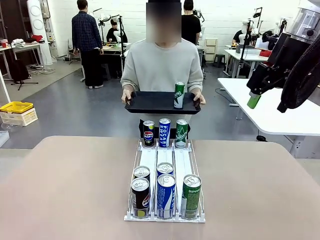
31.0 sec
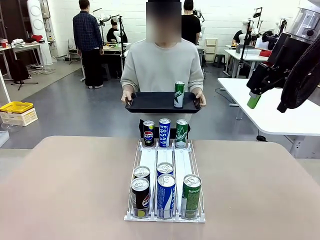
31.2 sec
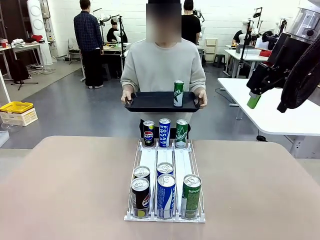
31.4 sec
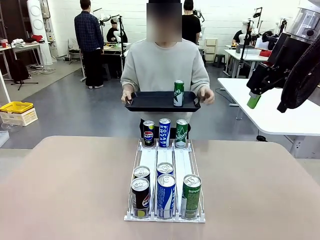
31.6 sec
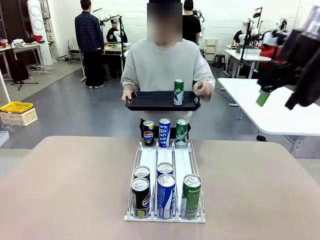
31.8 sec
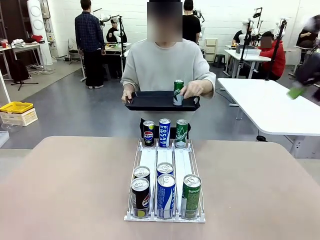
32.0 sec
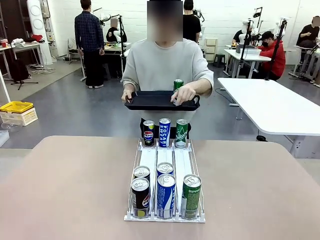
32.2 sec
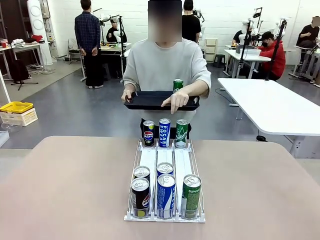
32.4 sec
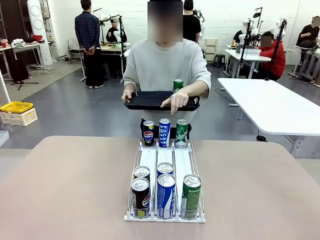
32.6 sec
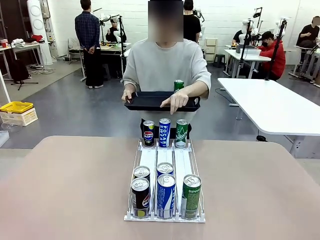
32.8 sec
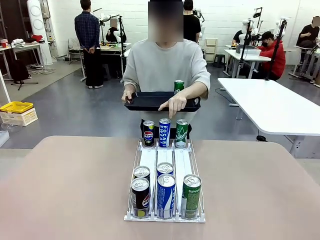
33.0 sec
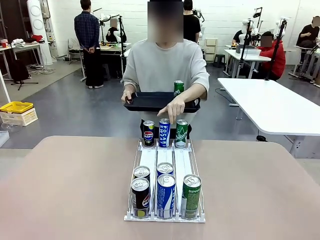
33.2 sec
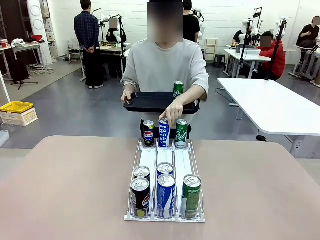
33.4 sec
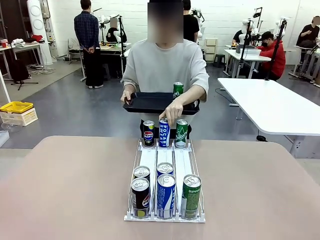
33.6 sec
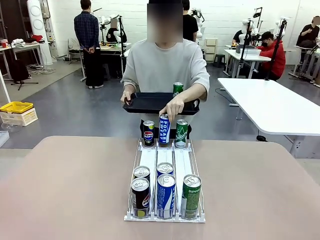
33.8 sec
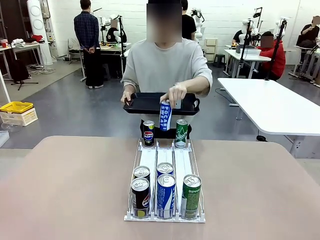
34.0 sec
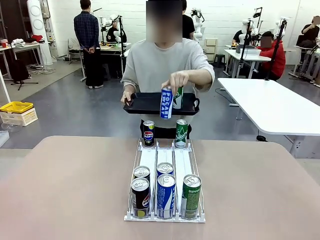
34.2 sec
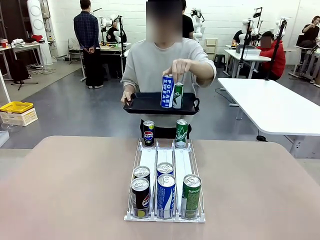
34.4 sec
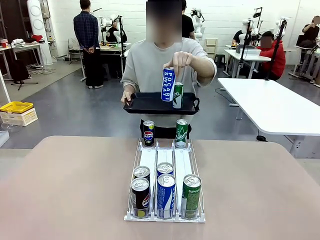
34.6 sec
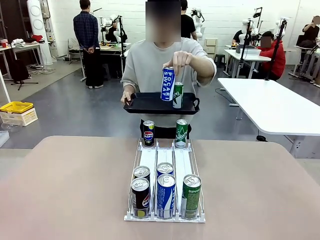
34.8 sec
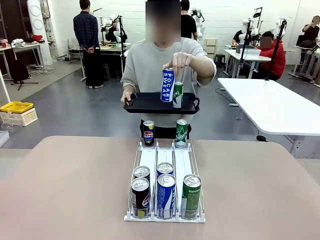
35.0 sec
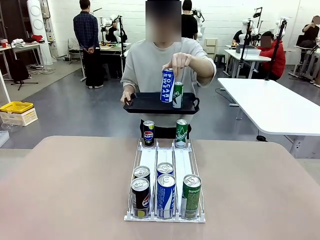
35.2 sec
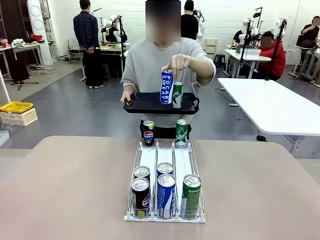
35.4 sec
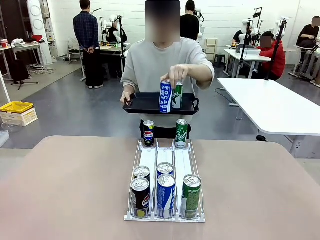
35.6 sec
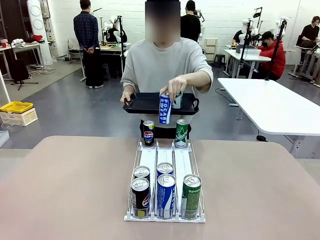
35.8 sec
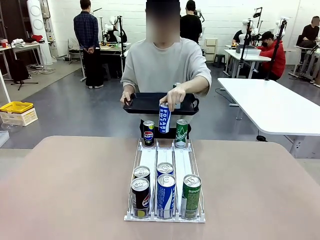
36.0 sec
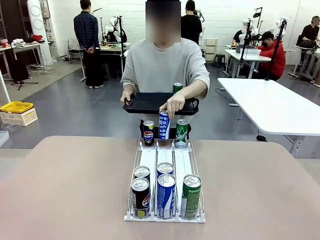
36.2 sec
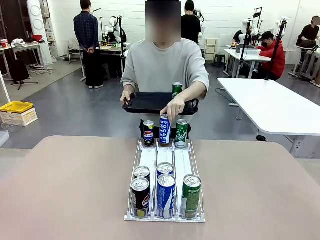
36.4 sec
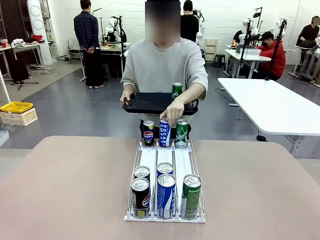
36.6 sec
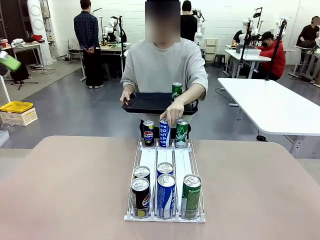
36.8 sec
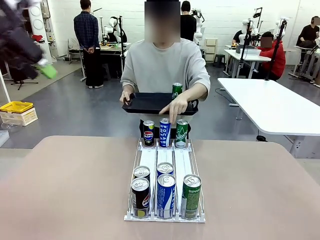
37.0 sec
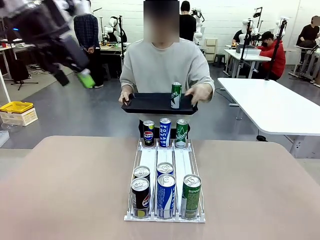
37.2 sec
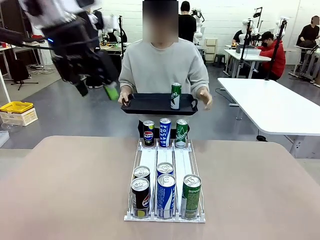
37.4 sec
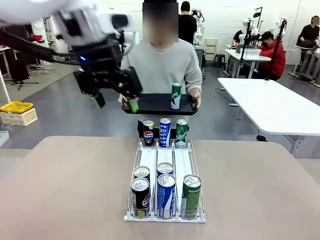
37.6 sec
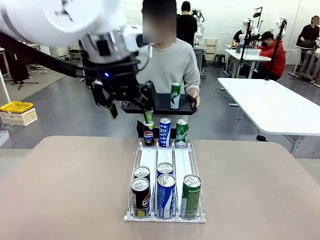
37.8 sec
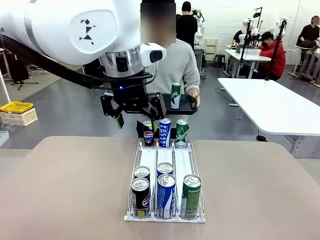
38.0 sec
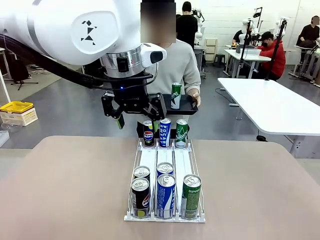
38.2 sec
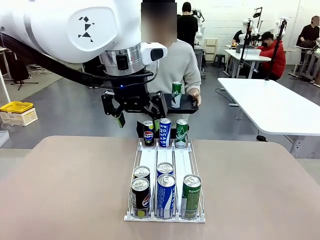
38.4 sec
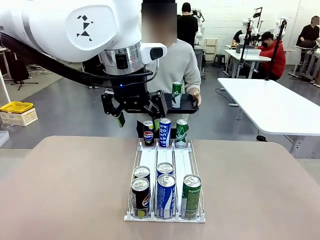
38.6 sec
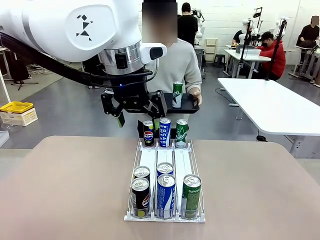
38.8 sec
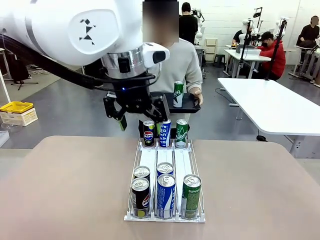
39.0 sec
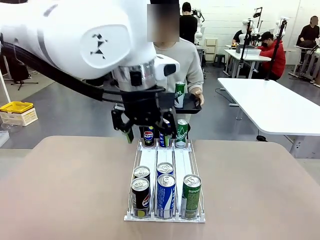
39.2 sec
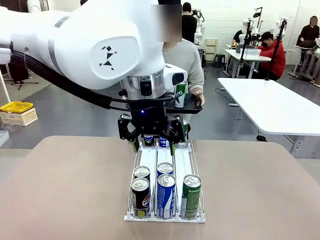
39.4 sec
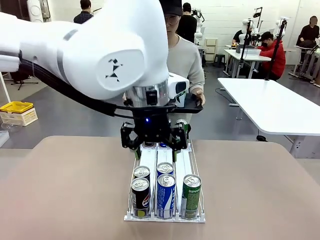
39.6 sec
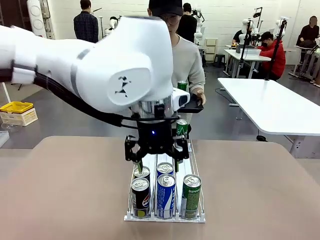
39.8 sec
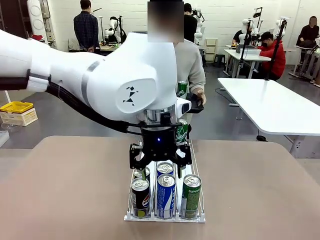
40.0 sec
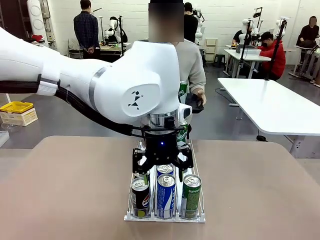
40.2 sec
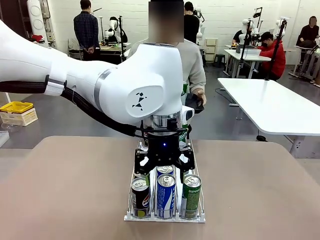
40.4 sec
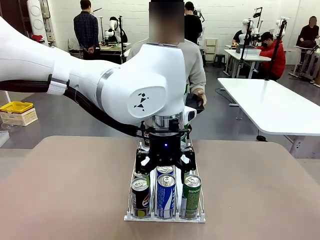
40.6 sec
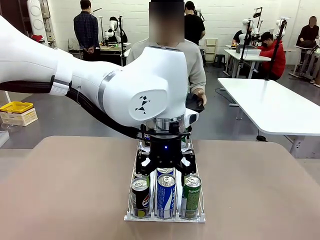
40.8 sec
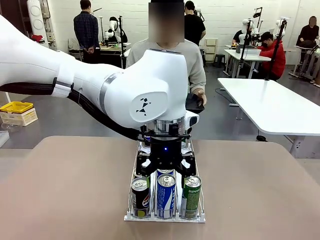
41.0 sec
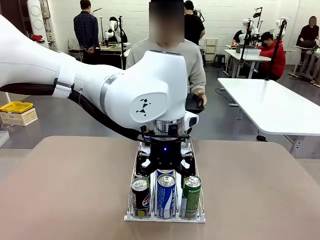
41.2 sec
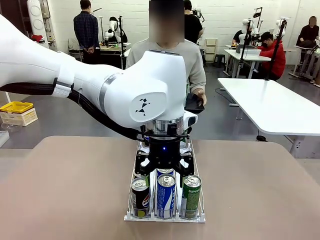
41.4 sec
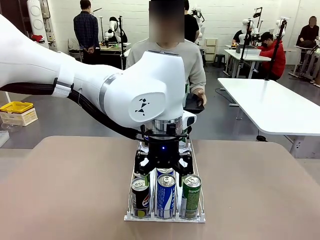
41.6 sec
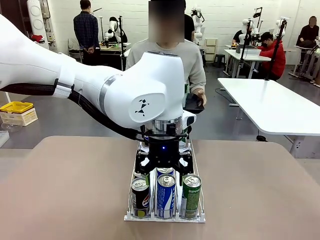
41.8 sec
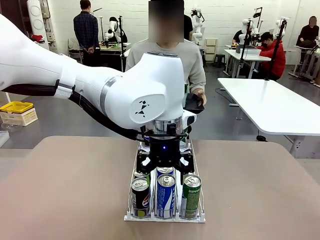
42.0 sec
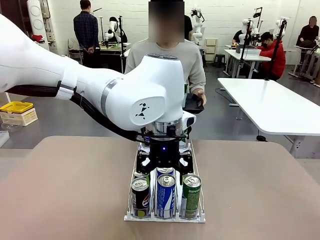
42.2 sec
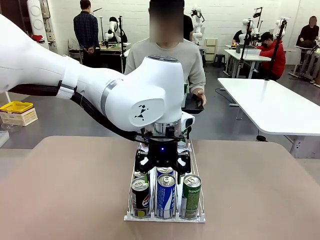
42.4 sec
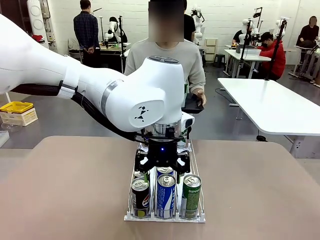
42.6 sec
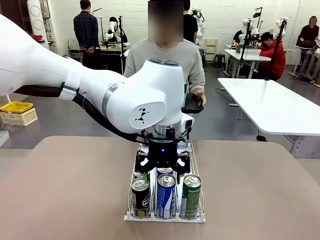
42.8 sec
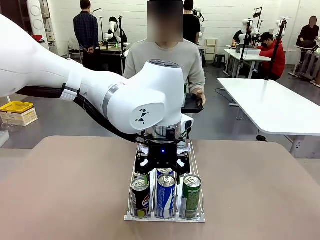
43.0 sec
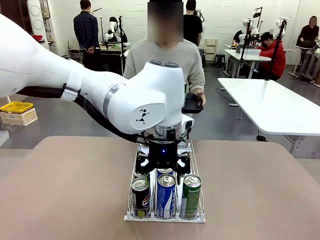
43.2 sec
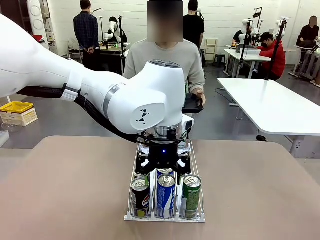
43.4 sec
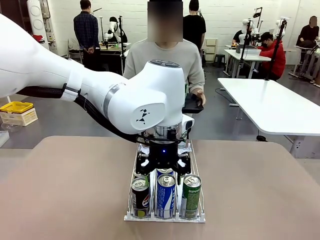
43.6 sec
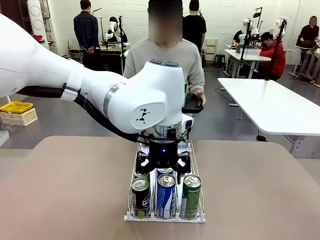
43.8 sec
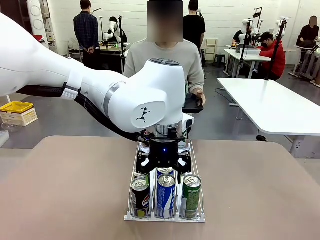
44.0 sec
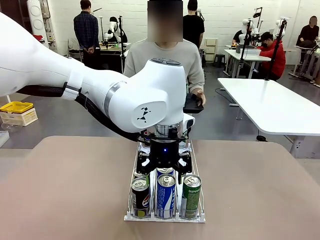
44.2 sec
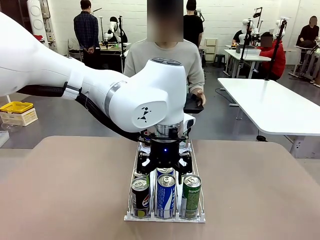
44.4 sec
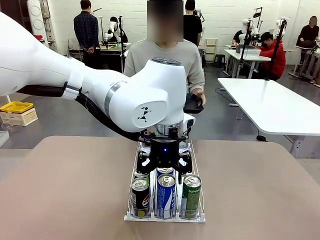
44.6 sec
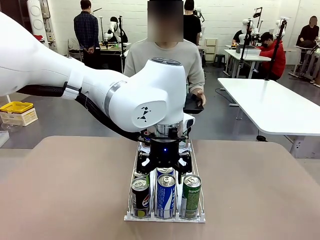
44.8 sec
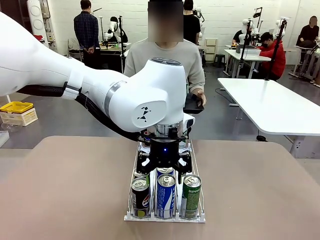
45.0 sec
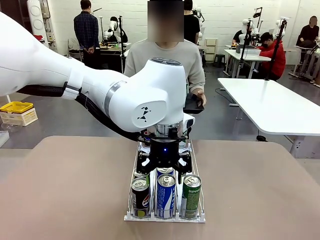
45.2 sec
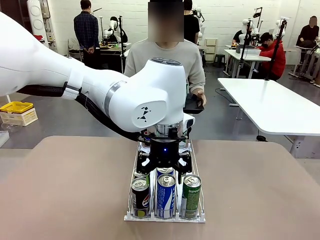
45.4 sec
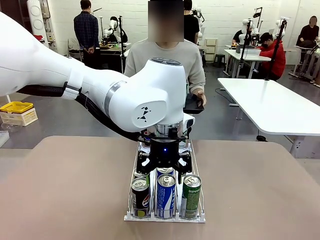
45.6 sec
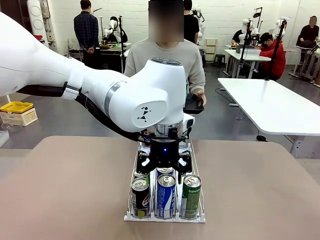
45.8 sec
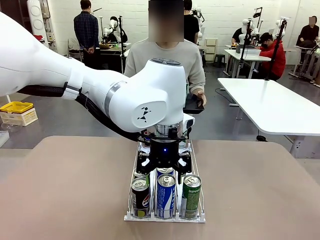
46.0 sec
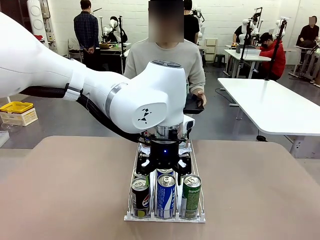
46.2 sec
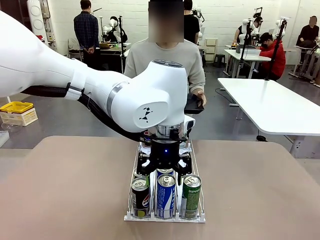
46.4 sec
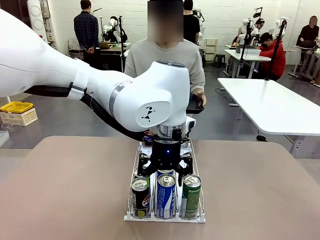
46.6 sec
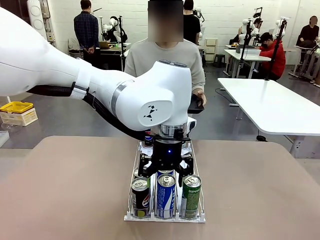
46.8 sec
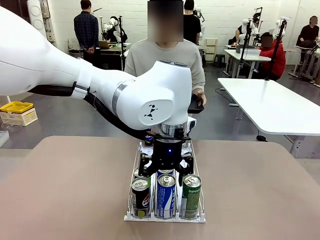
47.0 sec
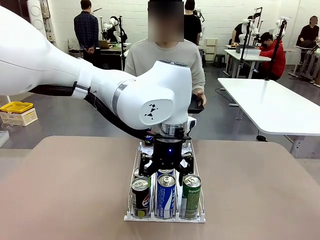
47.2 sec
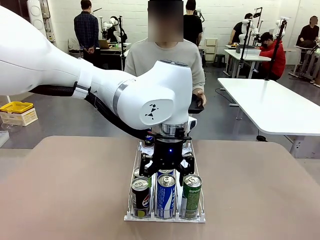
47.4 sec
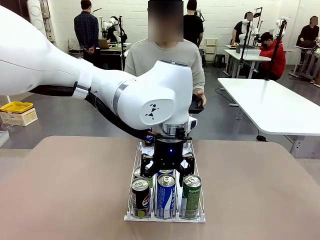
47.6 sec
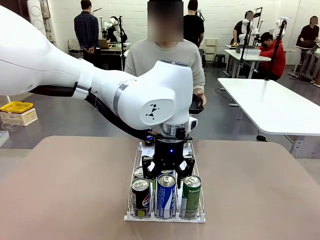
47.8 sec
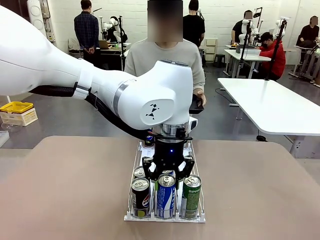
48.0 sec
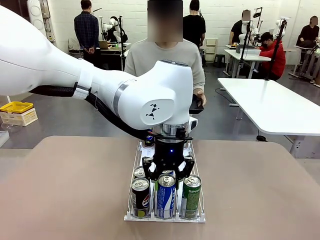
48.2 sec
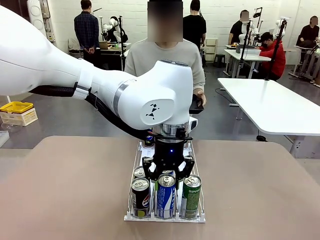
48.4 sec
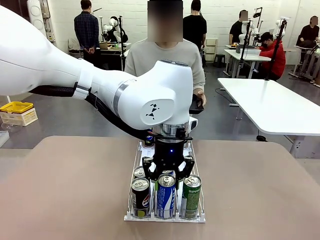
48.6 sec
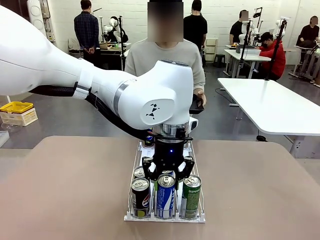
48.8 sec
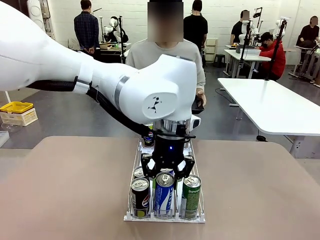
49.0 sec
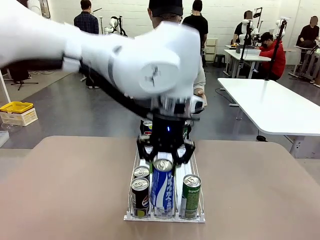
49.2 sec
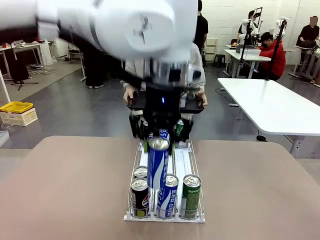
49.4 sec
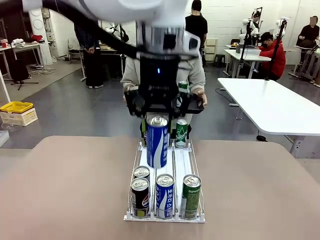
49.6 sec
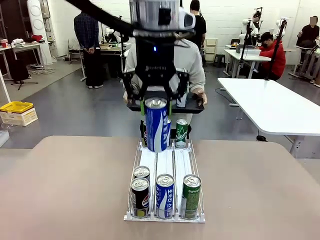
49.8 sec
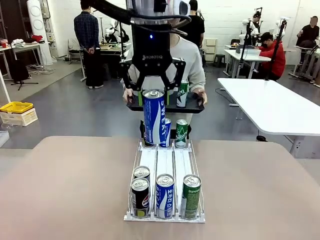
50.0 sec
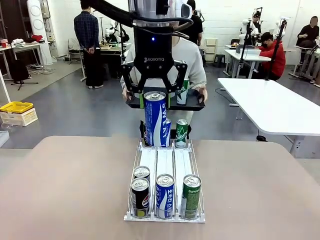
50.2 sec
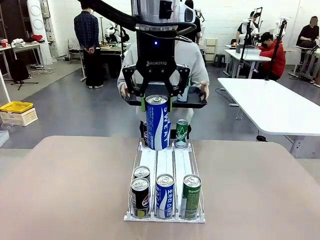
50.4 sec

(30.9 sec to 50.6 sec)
Task: Retrieve and hand over the desired beverage to the person.
Robot: Pick up another can of the same type that the person held from the Automatic Can Dispenser.
Person: Pull the tray back, then pick up another can from the bottom area of the table and puts it back in its original place. Push the tray toward the robot again.
